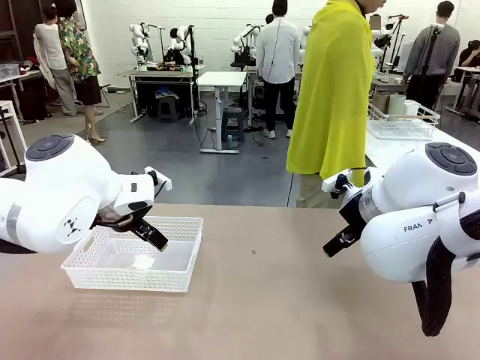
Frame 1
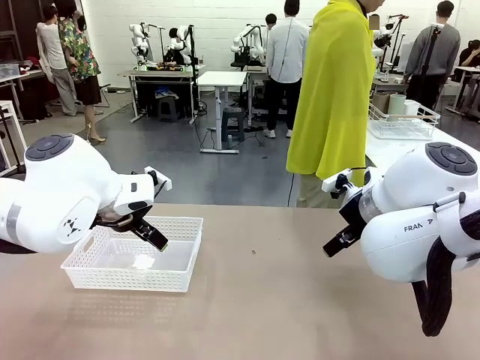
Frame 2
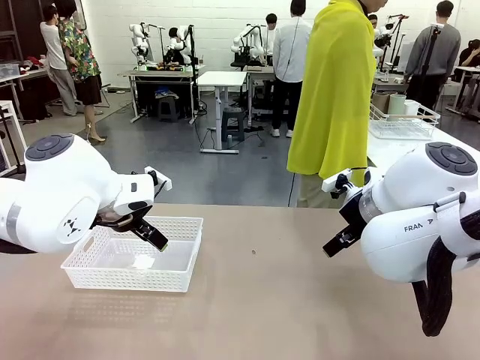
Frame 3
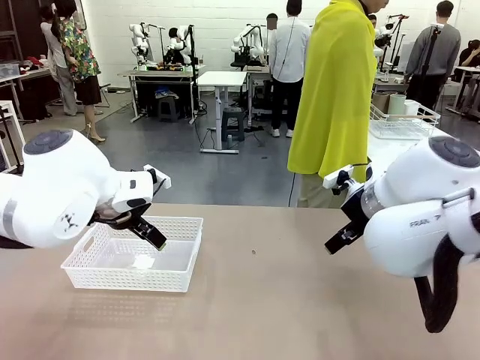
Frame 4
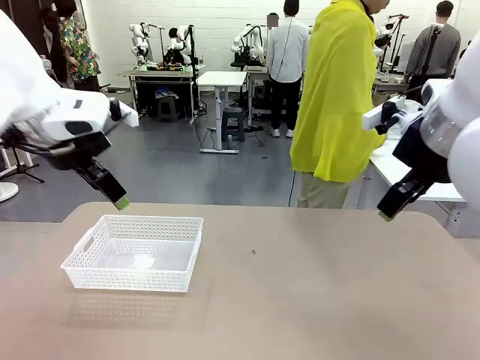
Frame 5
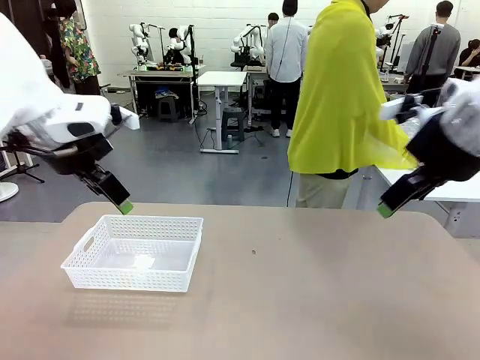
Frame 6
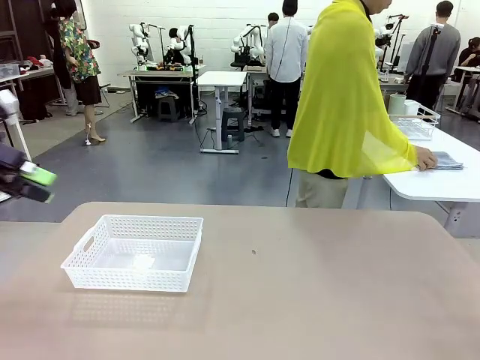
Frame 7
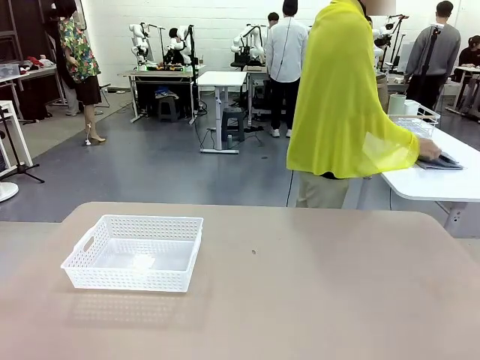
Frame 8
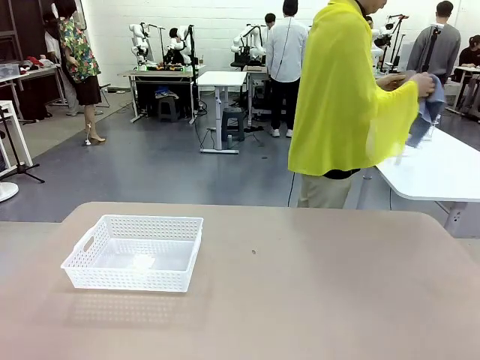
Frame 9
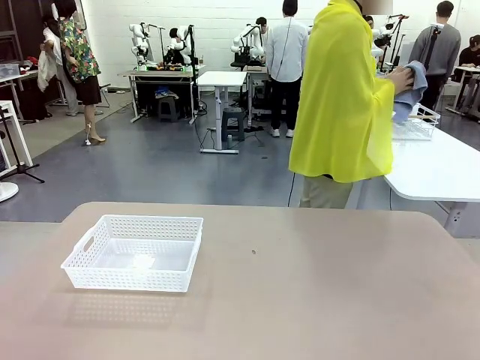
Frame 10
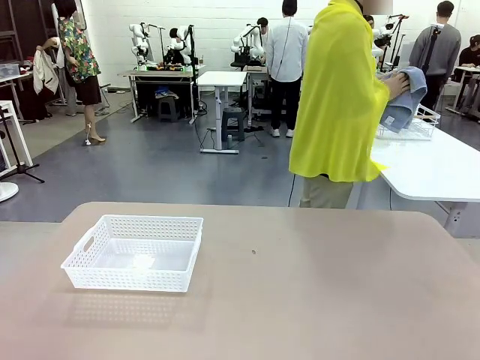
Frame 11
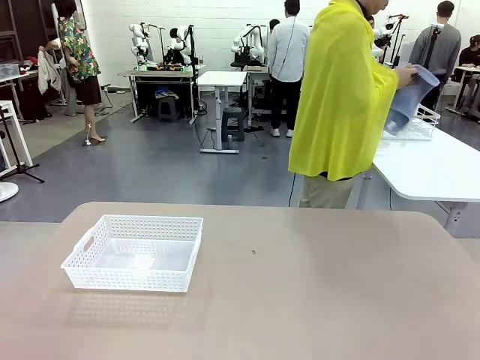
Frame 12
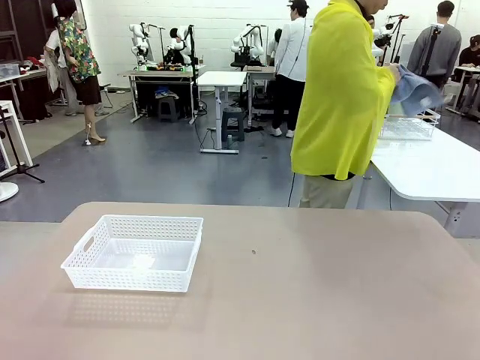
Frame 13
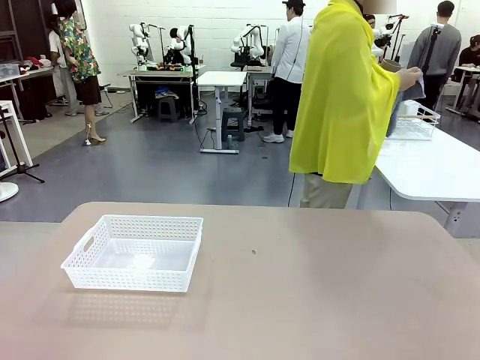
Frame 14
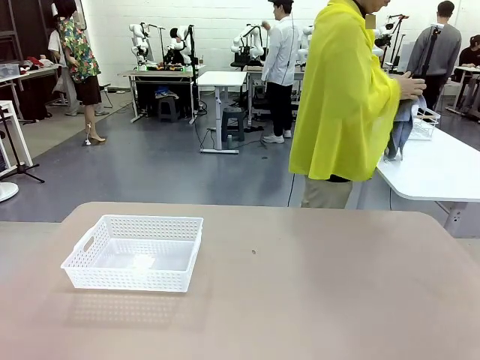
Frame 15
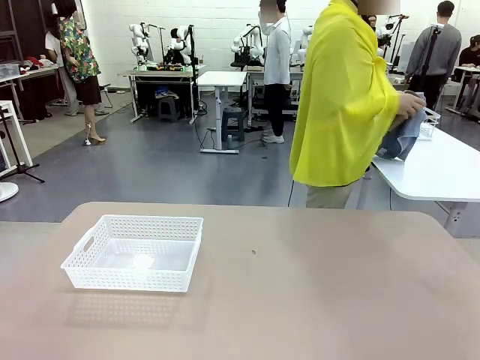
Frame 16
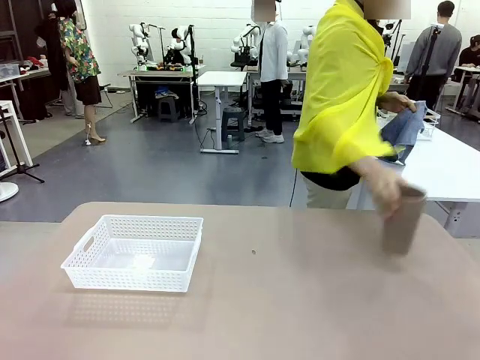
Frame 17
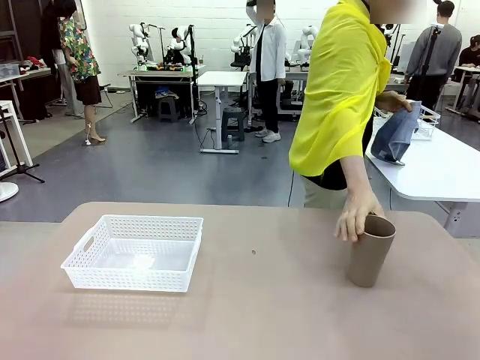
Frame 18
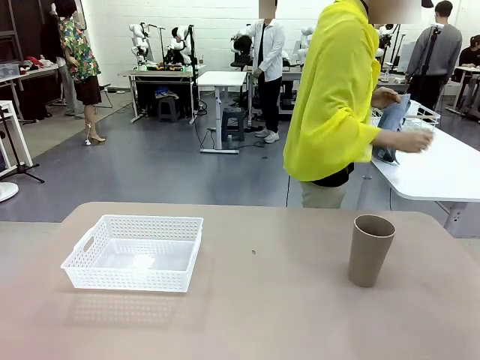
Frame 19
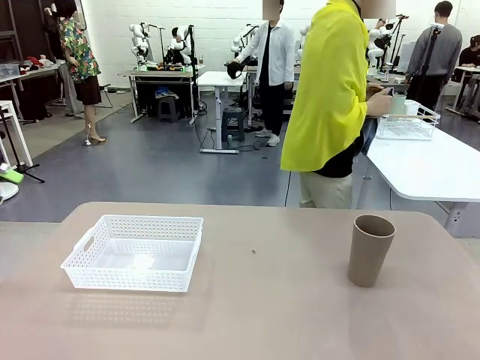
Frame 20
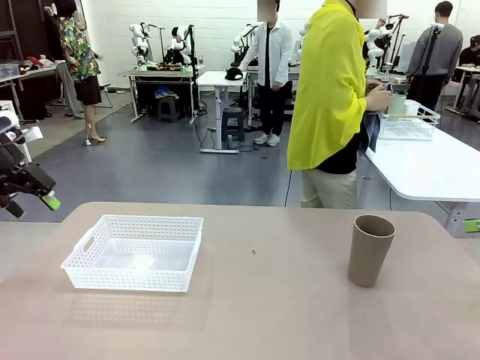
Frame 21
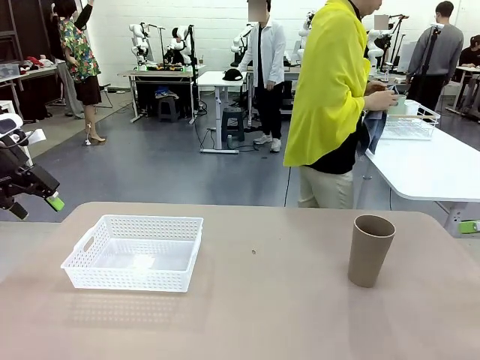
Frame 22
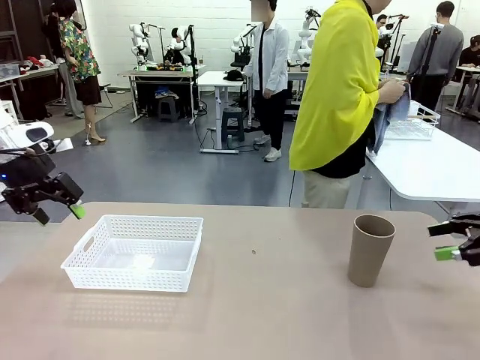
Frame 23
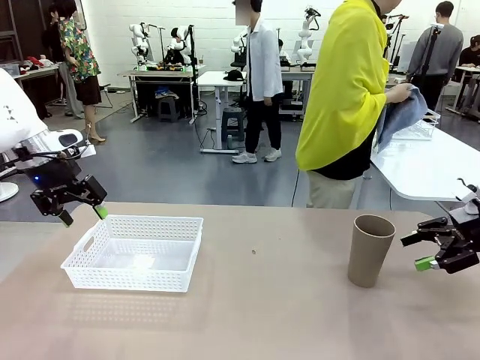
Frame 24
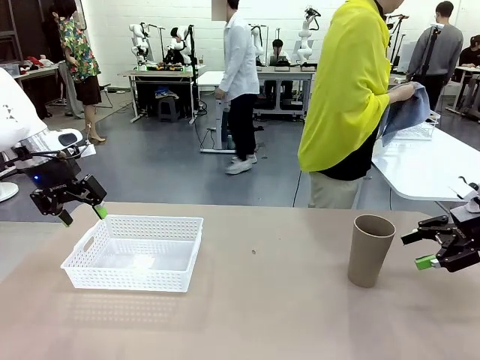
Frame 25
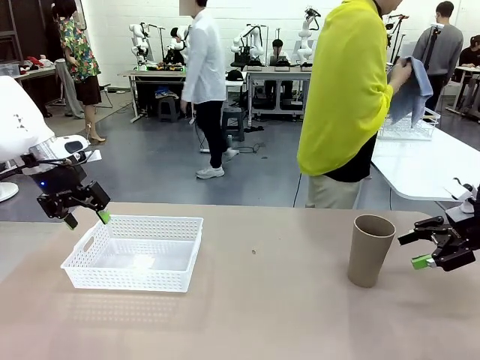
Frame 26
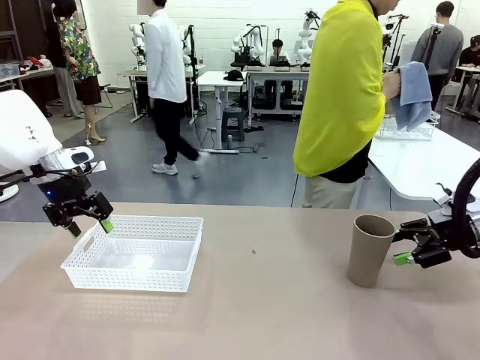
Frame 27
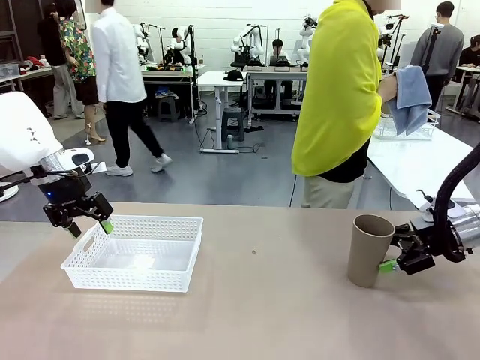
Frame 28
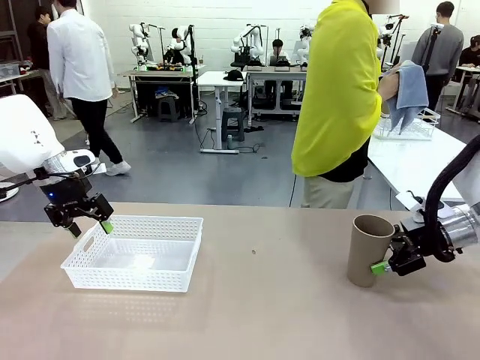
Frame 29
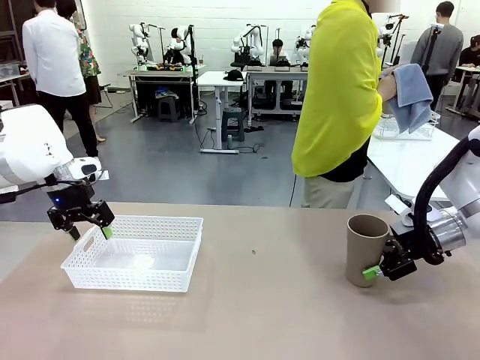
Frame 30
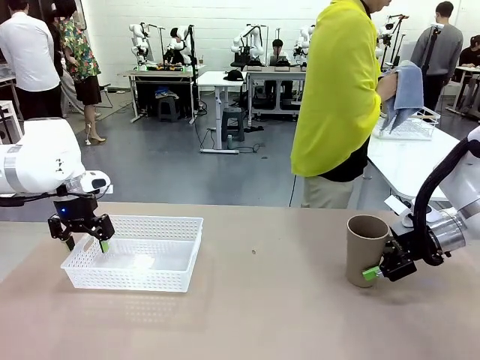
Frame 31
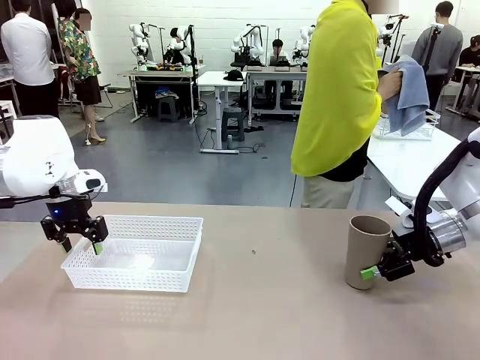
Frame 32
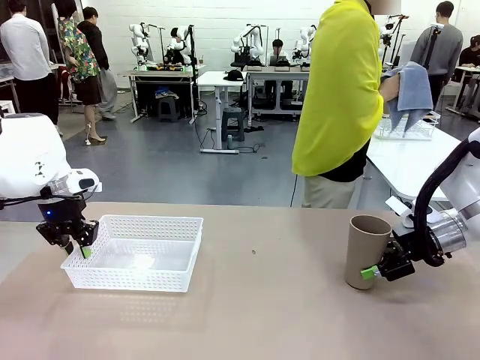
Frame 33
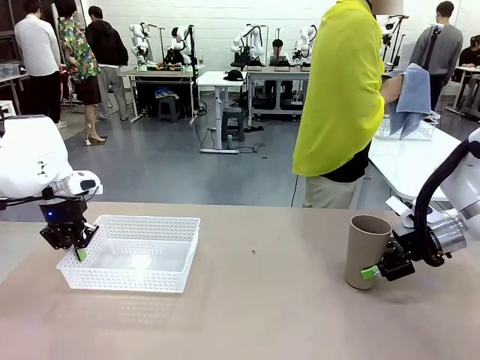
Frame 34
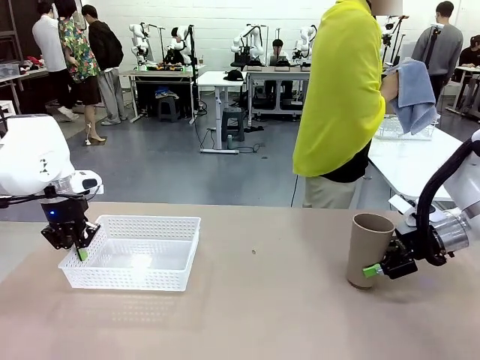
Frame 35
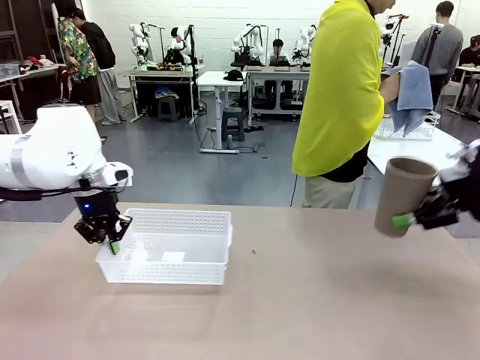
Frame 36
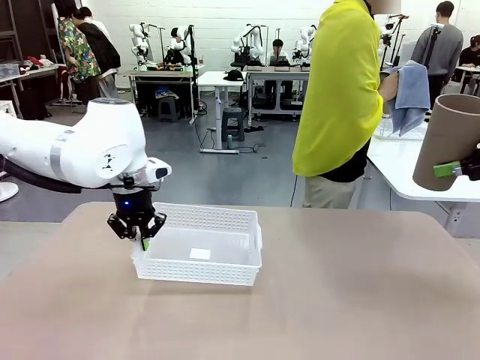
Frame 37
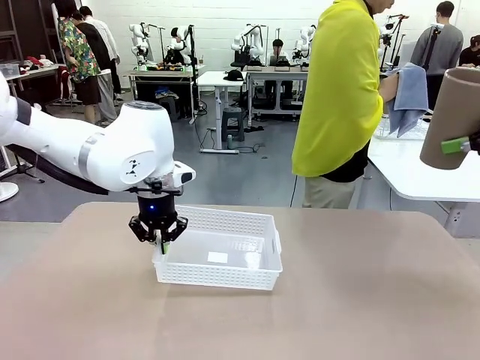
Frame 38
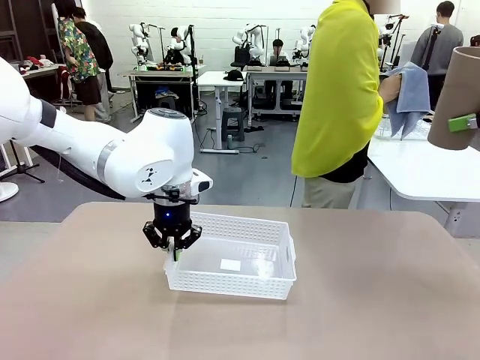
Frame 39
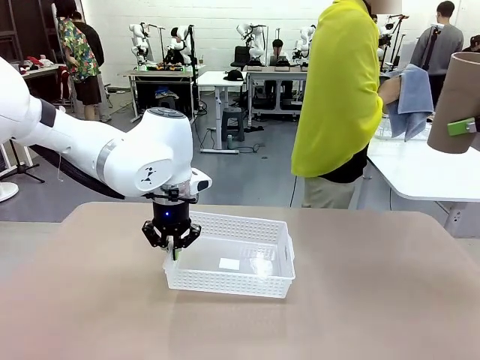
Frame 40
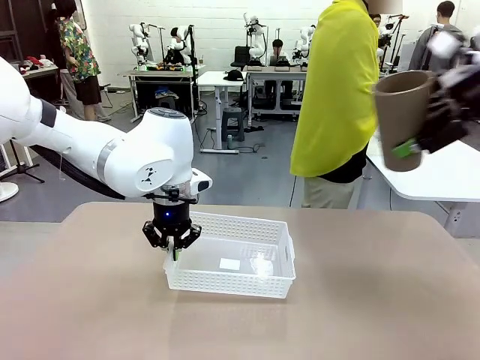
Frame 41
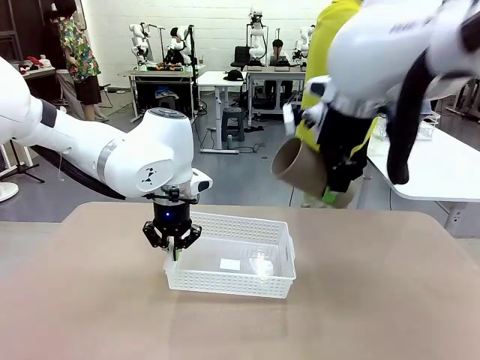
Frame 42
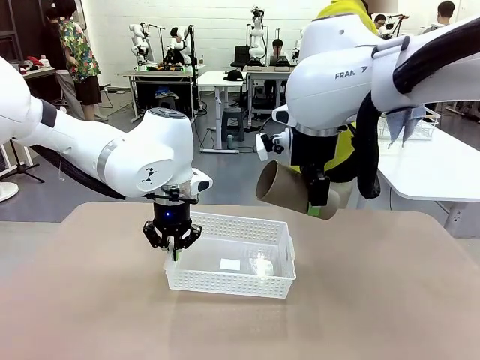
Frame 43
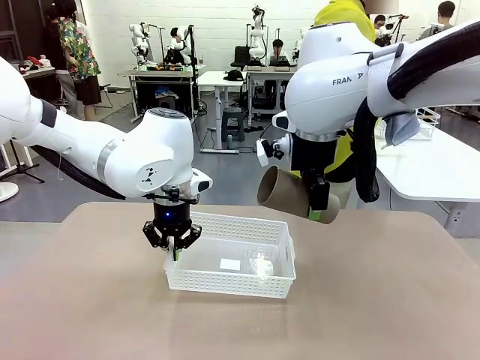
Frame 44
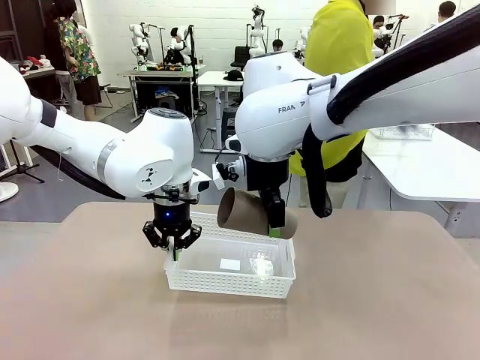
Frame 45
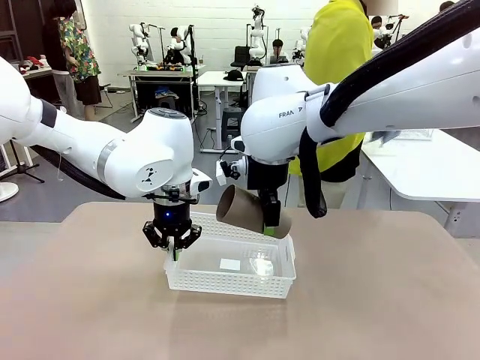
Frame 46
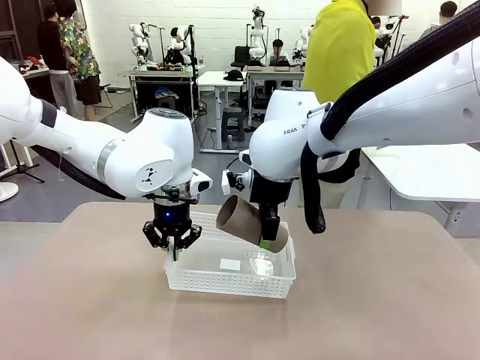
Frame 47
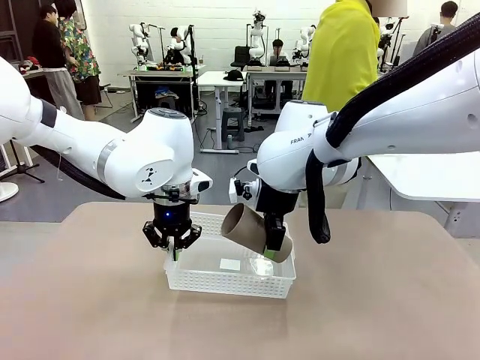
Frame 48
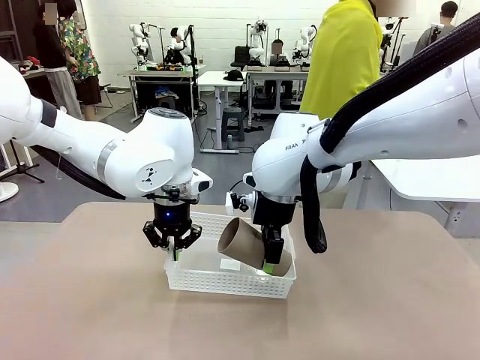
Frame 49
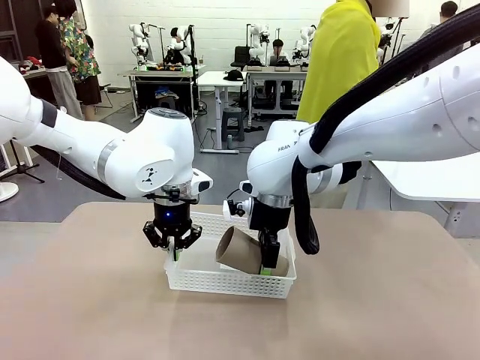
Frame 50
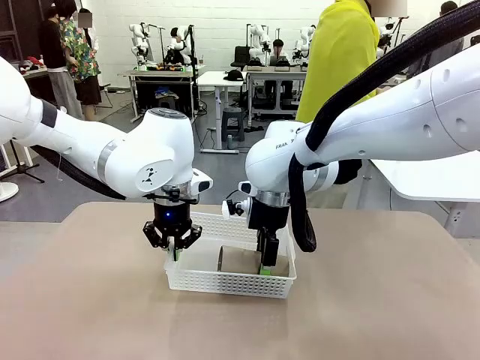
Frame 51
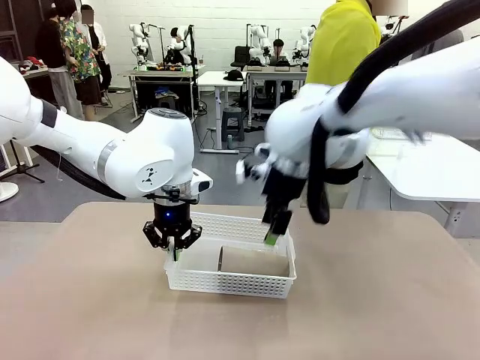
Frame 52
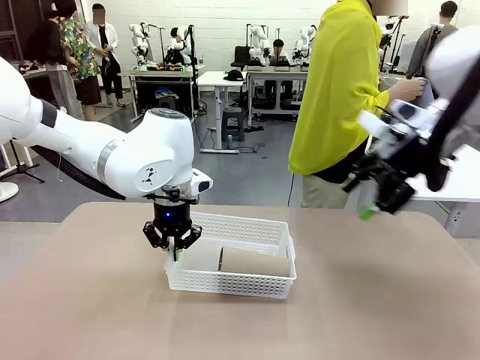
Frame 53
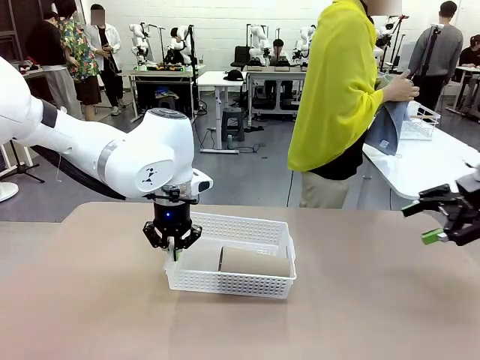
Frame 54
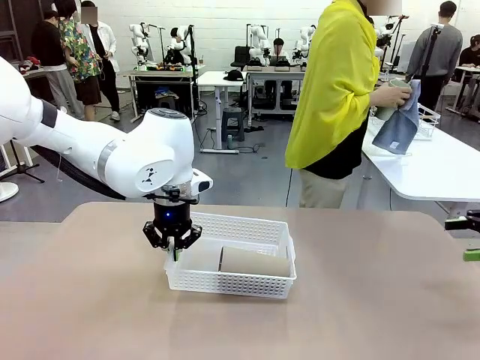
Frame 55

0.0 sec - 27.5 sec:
Task: Clean and organize the cups into the basket.
Robot: Pick up the Organizing basket and move it to the center of the table, then pick up the Reusable plastic cup from the right side of the table and place it inside the Organizing basket.
Person: Picks up a cup and a towel, cleans the cup with the towel, and places it on the left side of the robot table. Picks up a cup from the drying rack, cleans the cup with the towel, and places it on the left side of the robot table.
